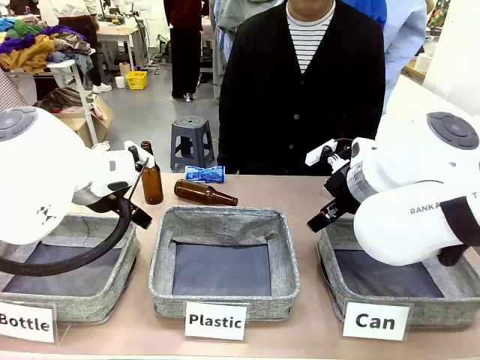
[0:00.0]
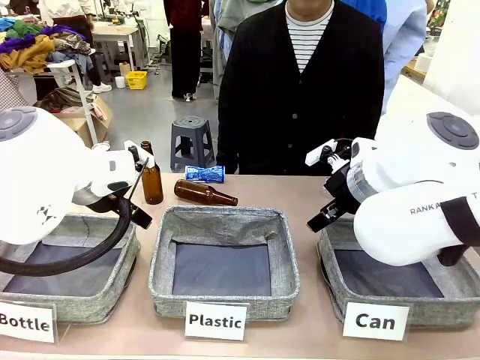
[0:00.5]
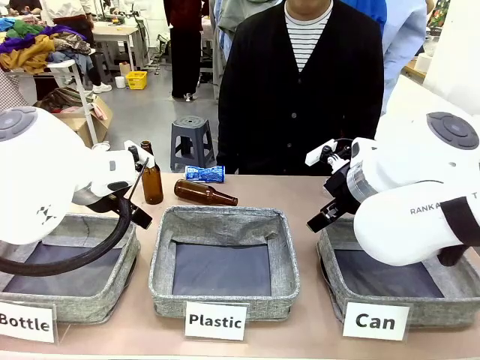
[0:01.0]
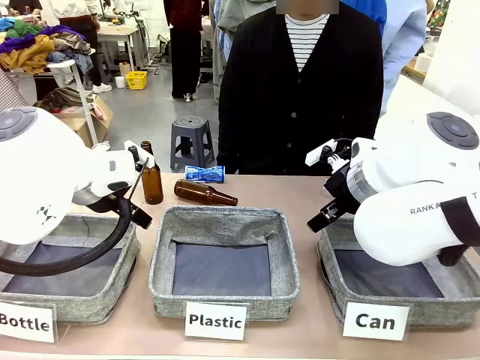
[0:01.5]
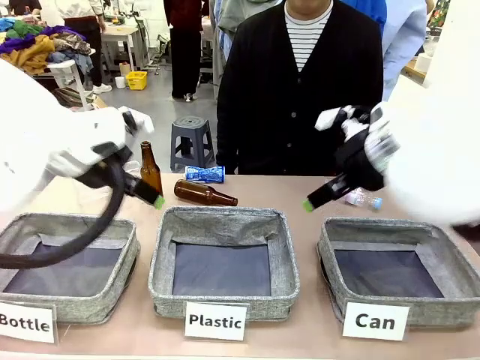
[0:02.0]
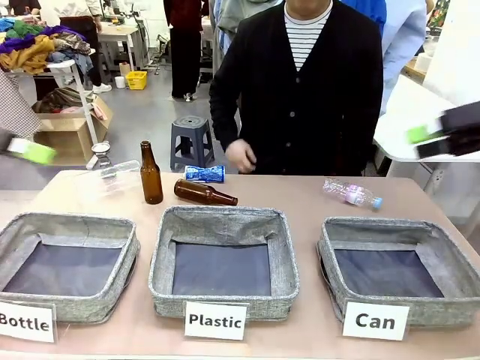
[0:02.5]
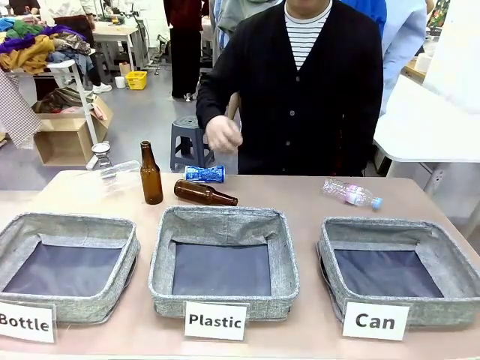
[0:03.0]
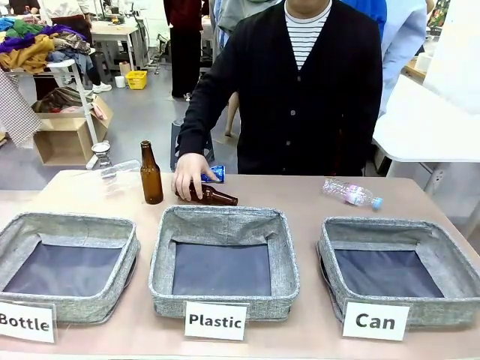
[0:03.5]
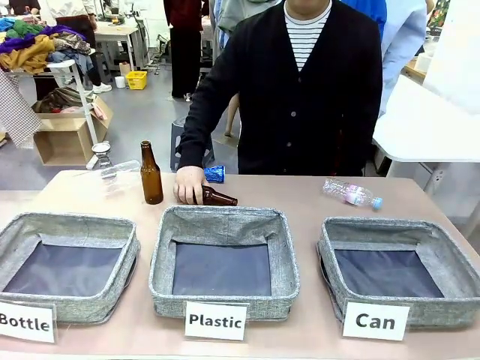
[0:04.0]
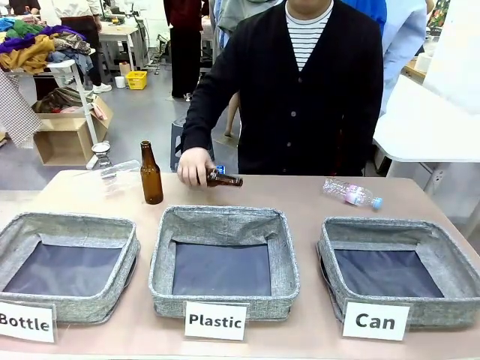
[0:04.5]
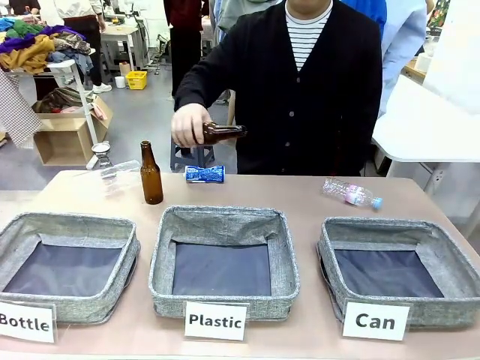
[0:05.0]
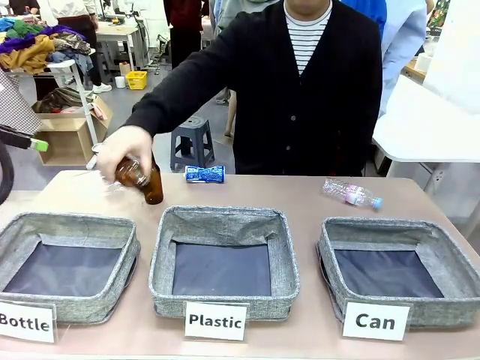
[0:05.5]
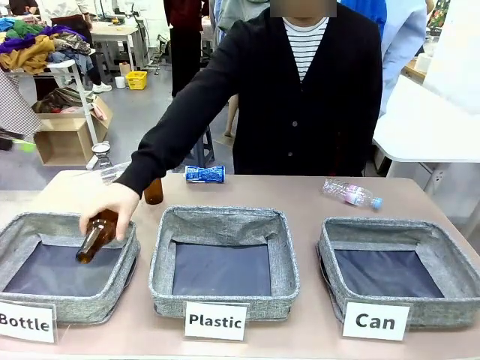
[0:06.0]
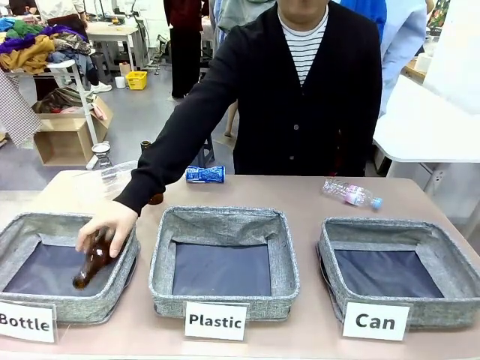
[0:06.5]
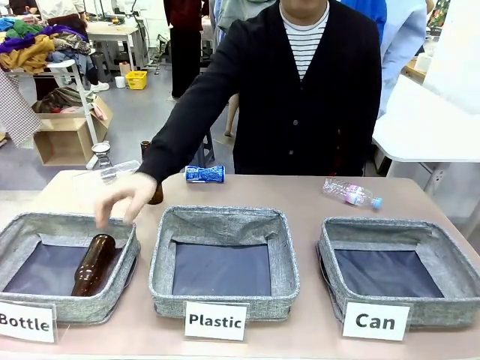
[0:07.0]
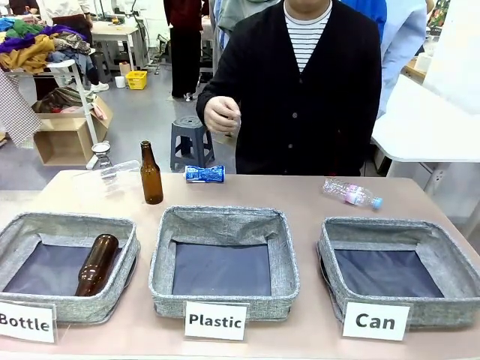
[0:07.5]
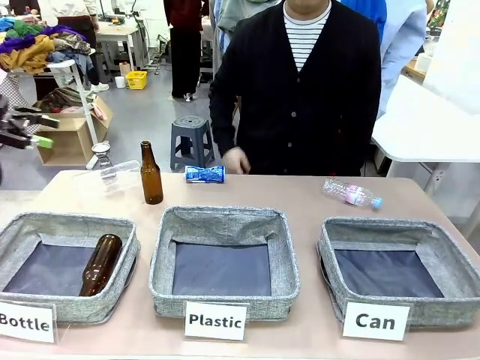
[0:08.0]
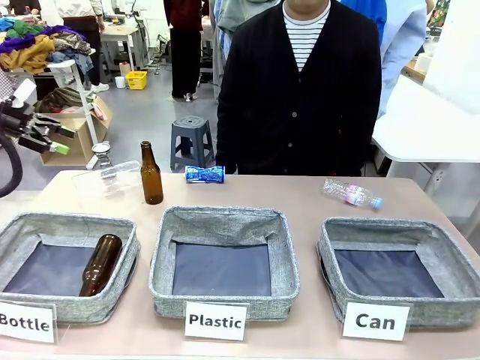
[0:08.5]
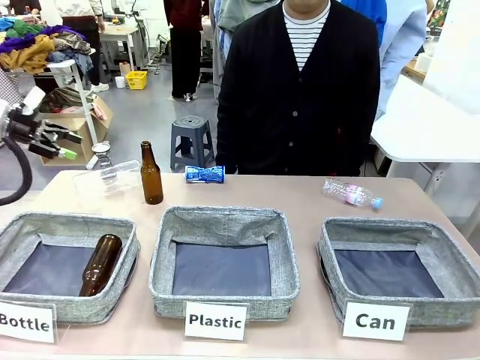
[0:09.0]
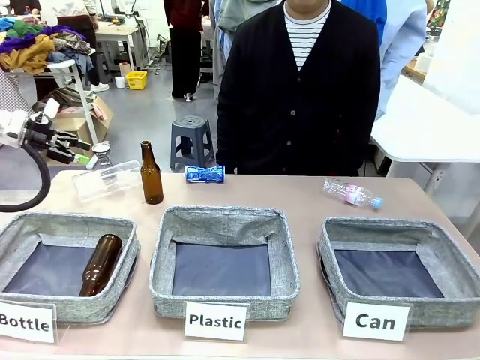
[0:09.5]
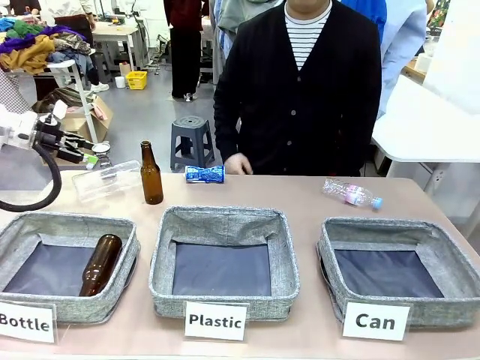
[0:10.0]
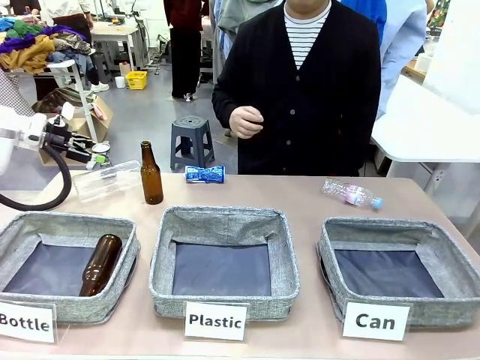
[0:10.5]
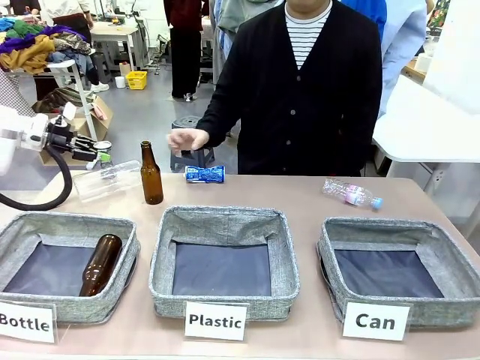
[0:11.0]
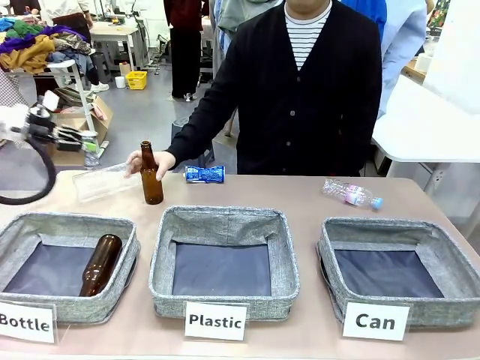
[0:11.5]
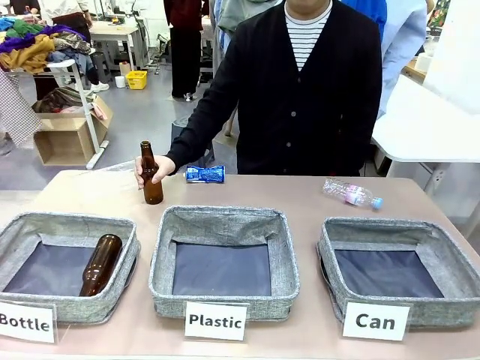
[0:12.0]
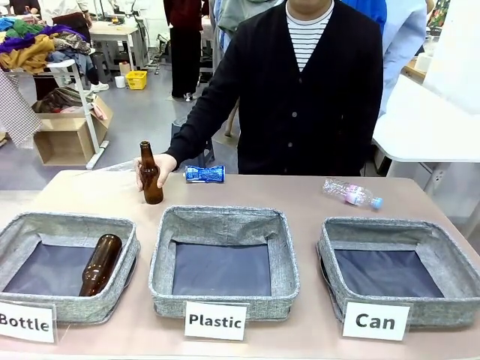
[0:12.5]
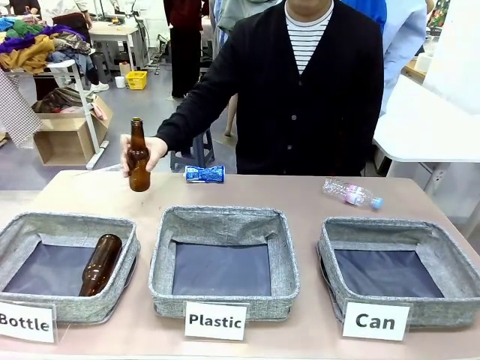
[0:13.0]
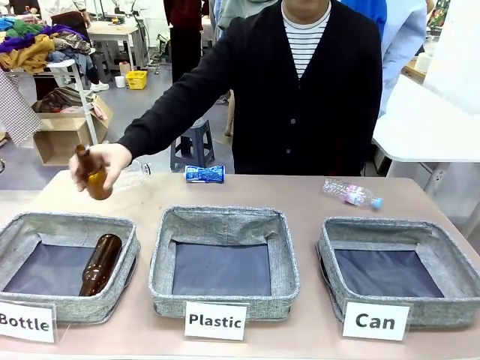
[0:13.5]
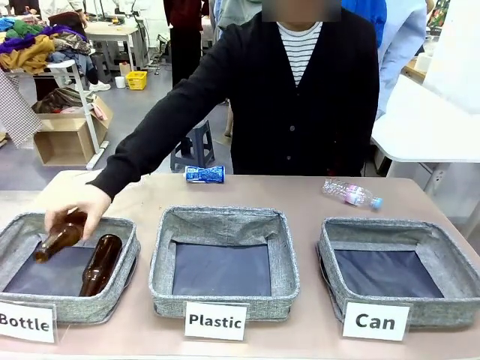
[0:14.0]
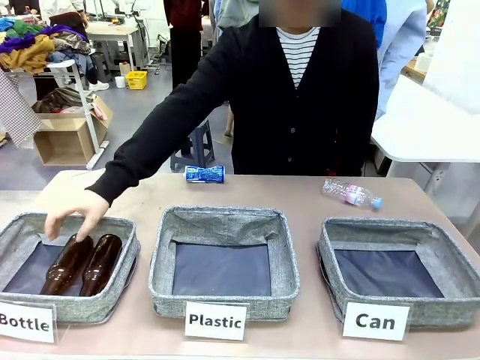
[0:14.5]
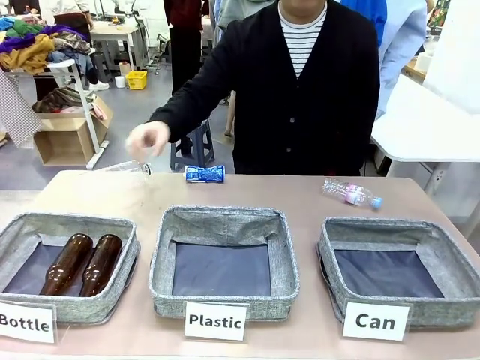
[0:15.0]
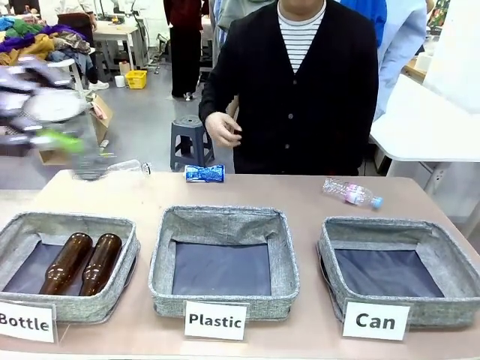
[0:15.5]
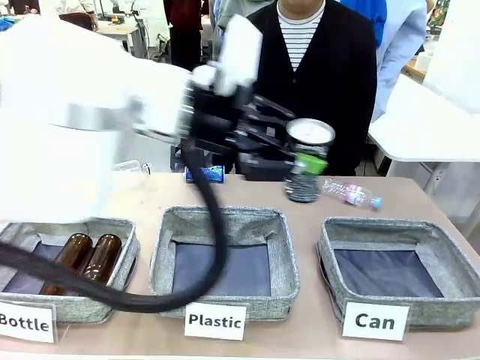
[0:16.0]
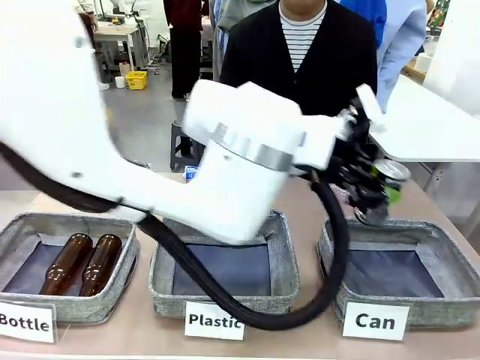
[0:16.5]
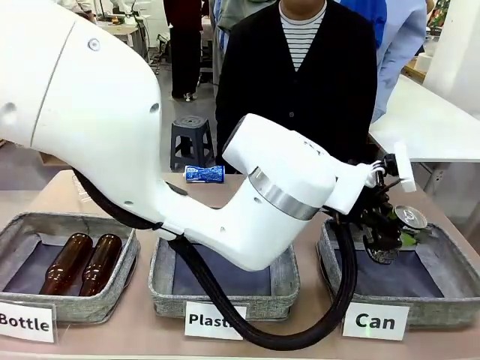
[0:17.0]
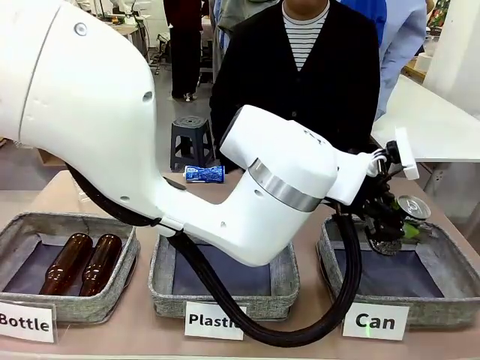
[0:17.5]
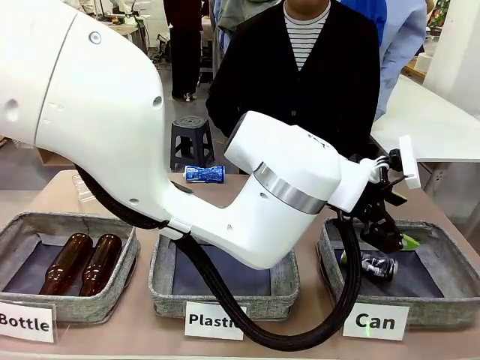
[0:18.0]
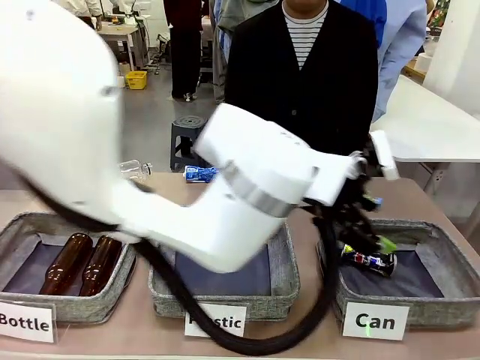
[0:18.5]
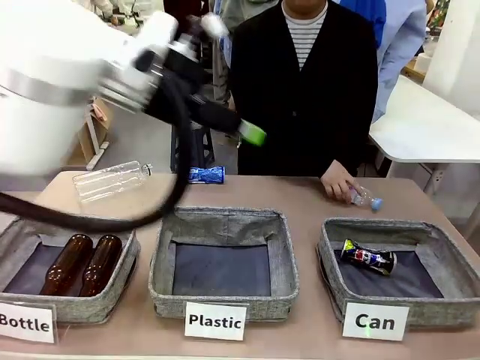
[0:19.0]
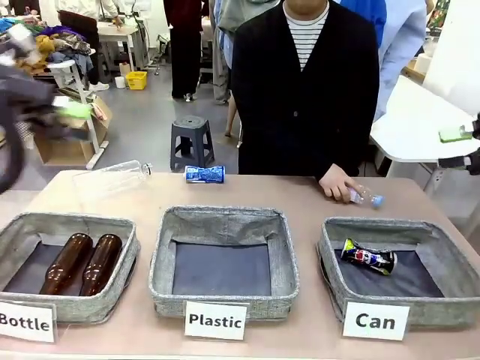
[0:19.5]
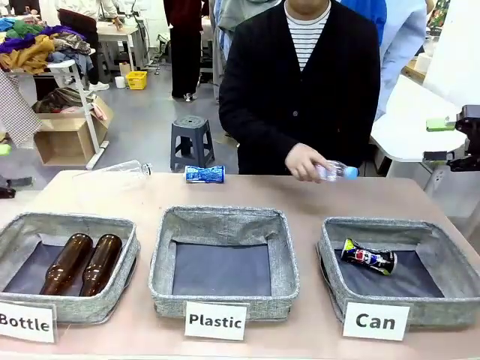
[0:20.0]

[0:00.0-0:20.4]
Task: Sort the can waste into the basket.
Robot: Pick up the can waste from the table and place it in the right Fabric basket.

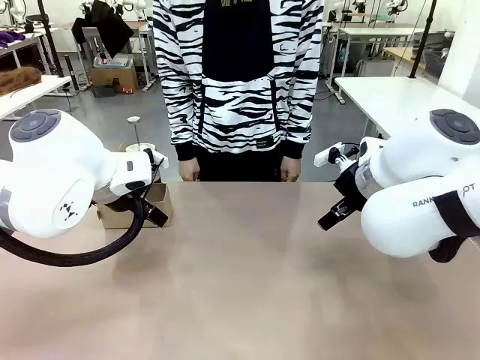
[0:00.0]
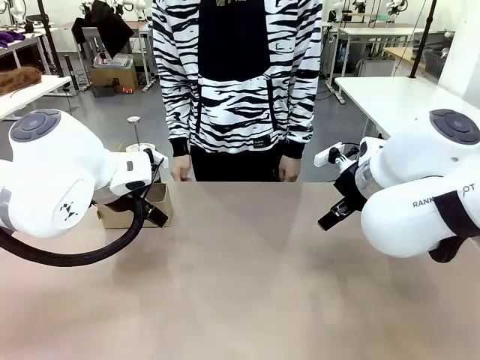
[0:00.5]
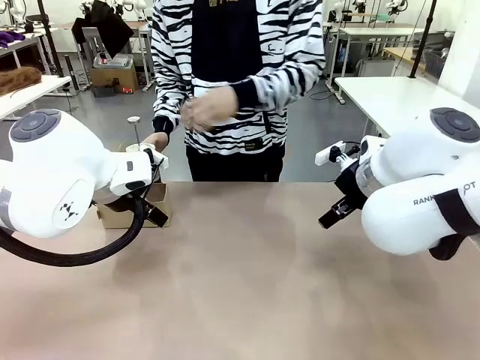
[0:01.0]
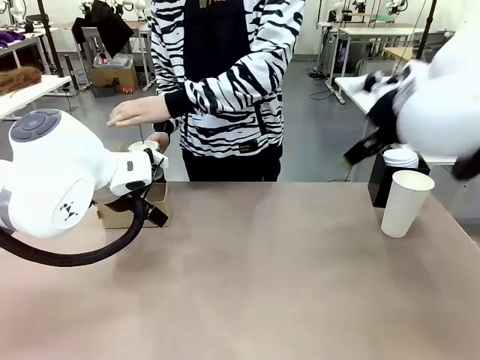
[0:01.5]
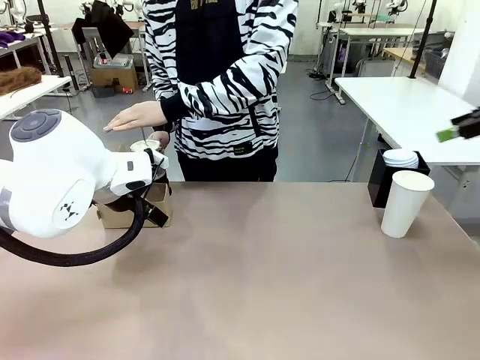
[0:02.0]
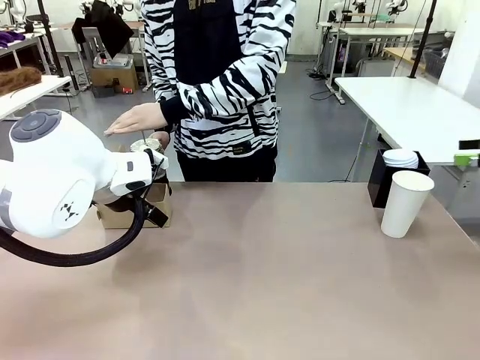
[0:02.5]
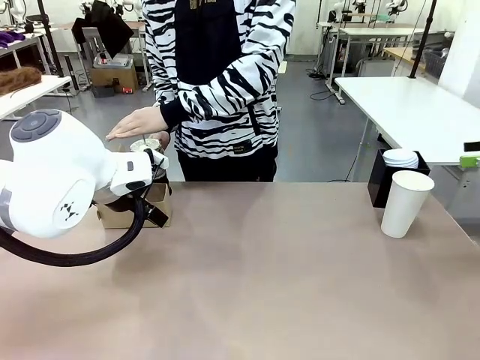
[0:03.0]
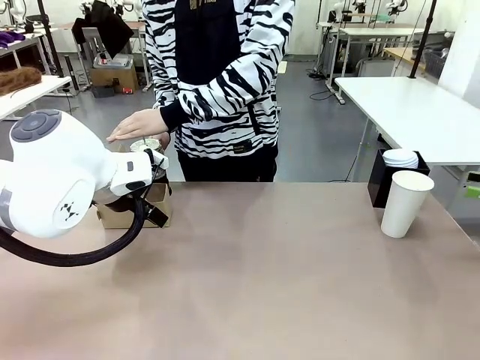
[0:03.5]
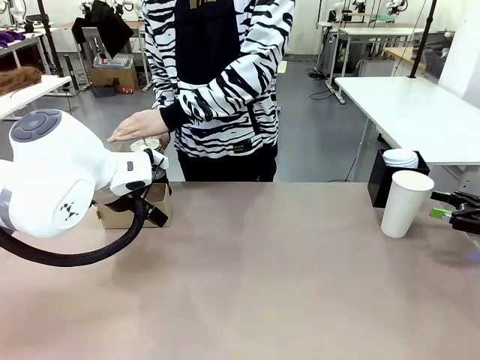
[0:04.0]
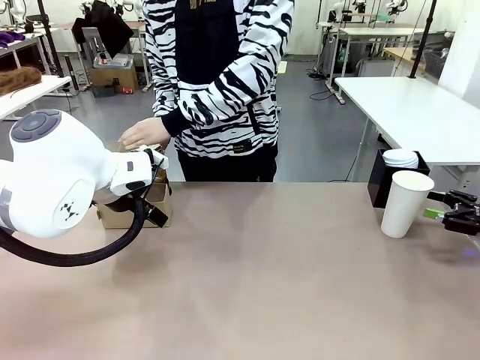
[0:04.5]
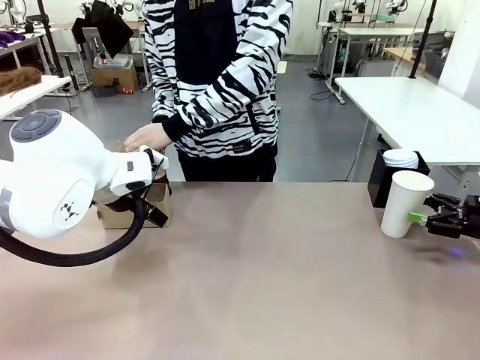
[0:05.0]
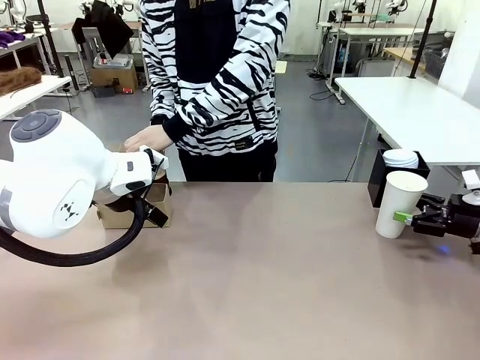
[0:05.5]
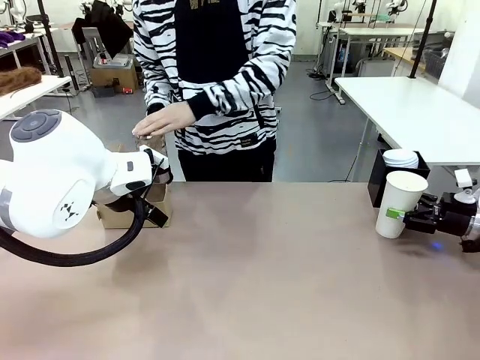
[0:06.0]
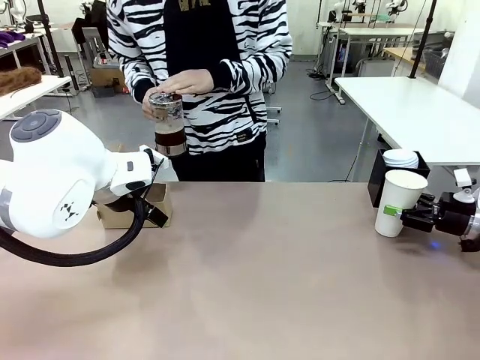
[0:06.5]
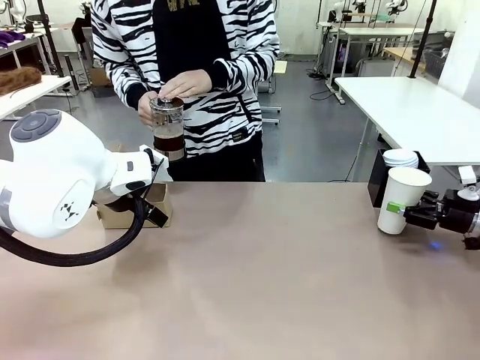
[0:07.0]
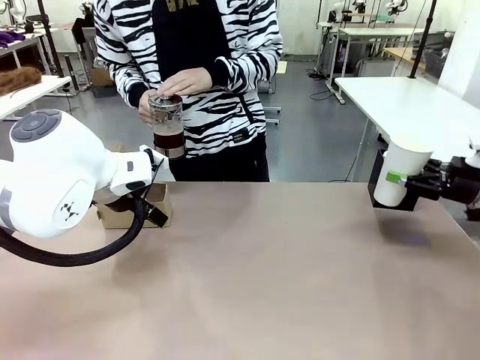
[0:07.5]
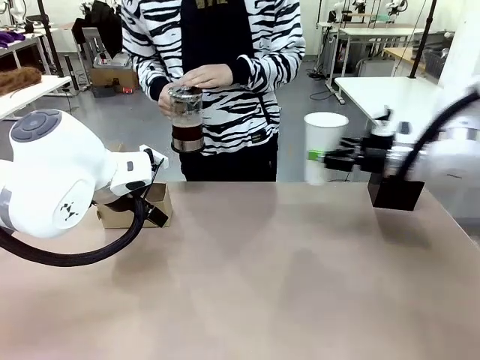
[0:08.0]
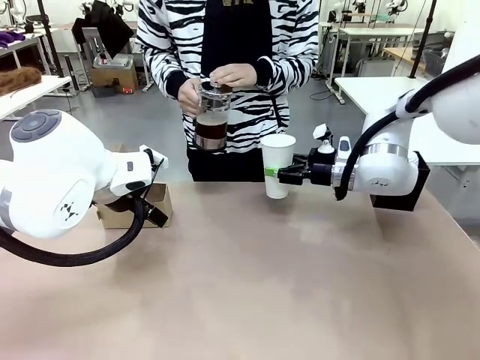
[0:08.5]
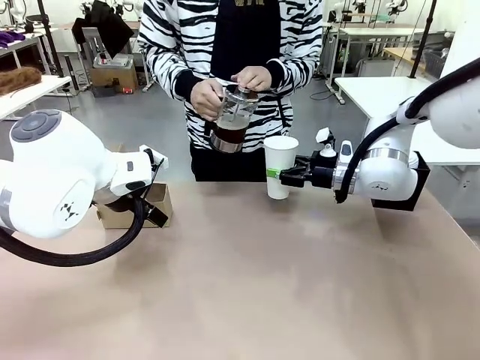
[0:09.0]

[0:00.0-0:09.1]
Task: Pour a drink into a cup and package it in a carrier.
Robot: Pick up the 600 ml Paper Cup and place it in the middle top area of the table.
Person: Press and pick up the Filter Brewing.
